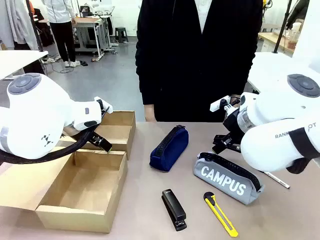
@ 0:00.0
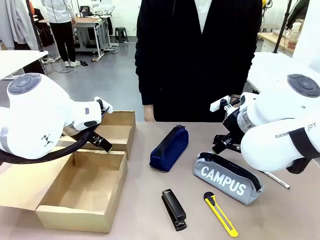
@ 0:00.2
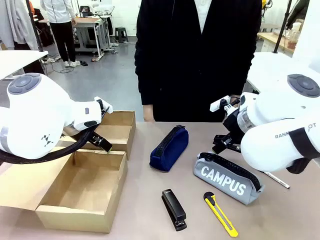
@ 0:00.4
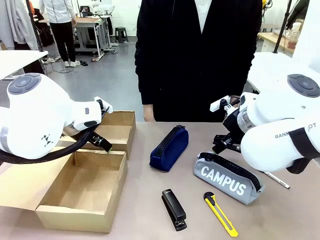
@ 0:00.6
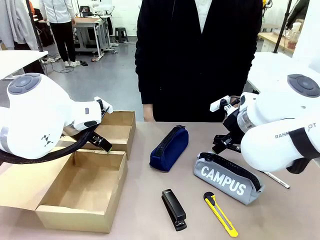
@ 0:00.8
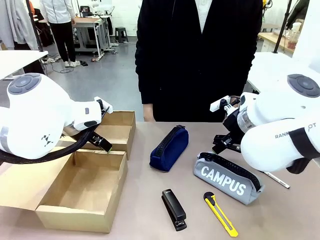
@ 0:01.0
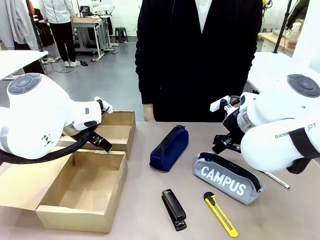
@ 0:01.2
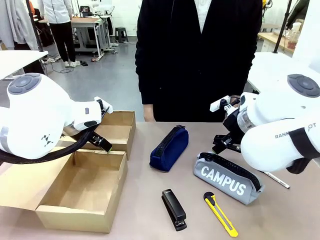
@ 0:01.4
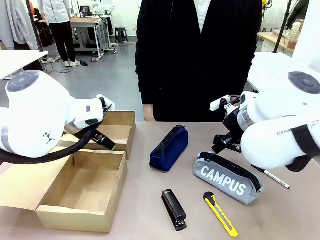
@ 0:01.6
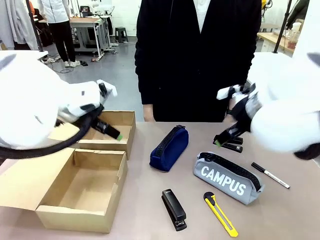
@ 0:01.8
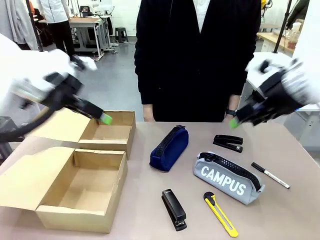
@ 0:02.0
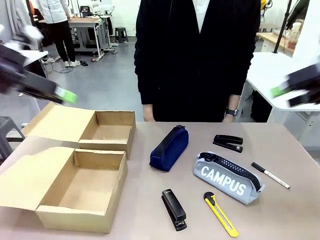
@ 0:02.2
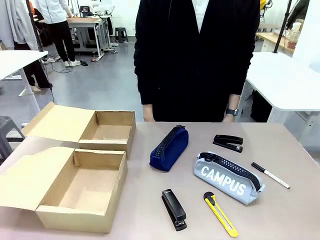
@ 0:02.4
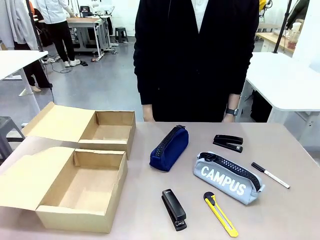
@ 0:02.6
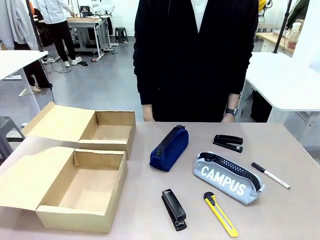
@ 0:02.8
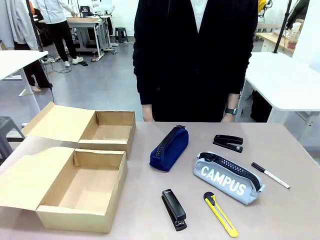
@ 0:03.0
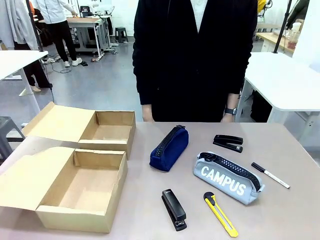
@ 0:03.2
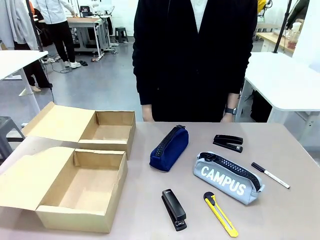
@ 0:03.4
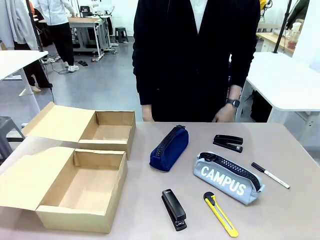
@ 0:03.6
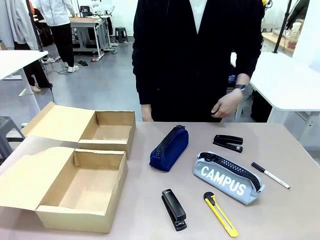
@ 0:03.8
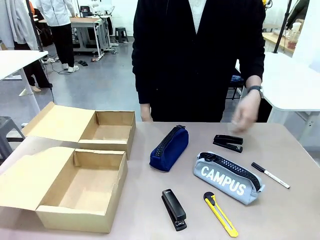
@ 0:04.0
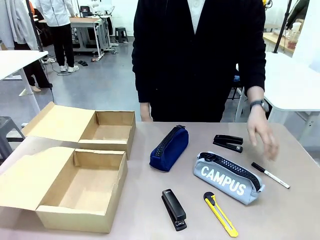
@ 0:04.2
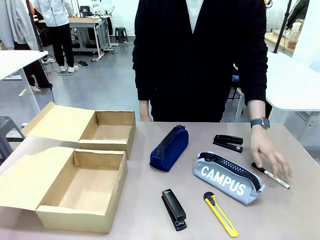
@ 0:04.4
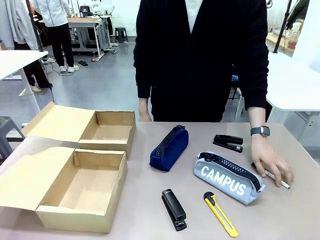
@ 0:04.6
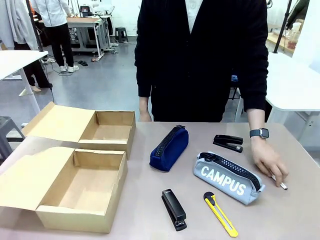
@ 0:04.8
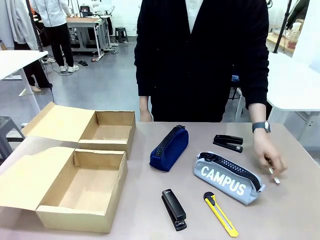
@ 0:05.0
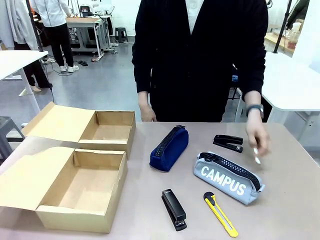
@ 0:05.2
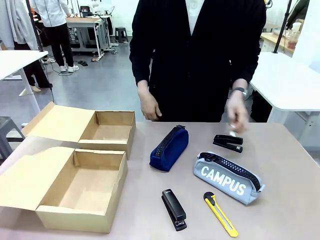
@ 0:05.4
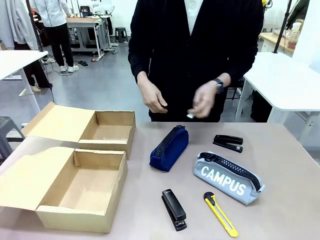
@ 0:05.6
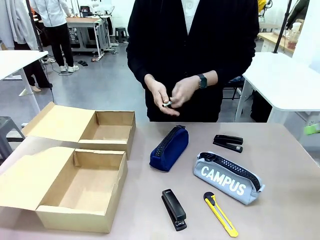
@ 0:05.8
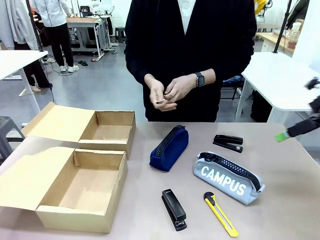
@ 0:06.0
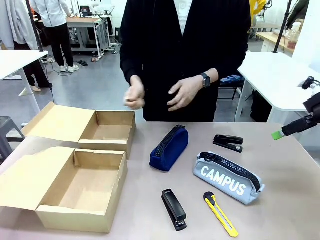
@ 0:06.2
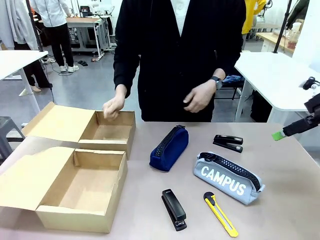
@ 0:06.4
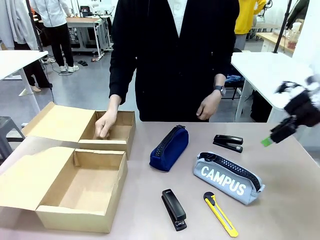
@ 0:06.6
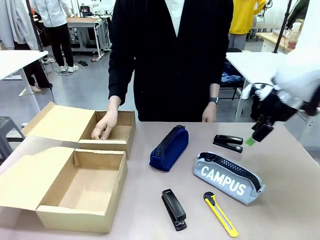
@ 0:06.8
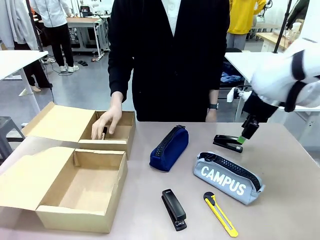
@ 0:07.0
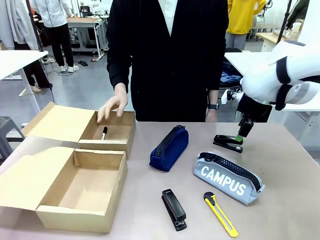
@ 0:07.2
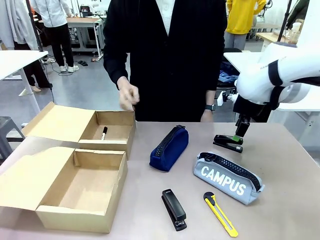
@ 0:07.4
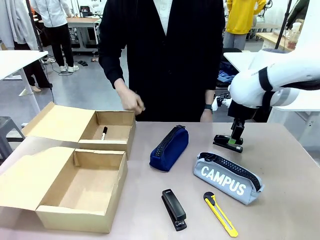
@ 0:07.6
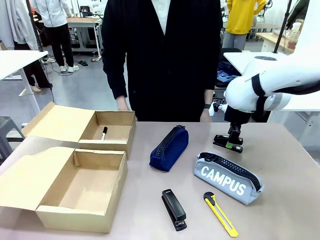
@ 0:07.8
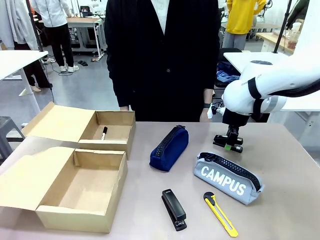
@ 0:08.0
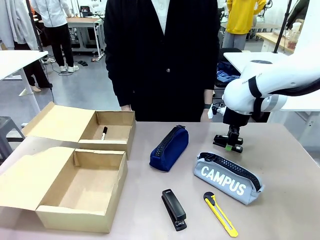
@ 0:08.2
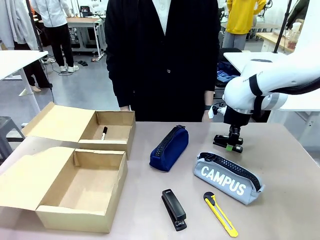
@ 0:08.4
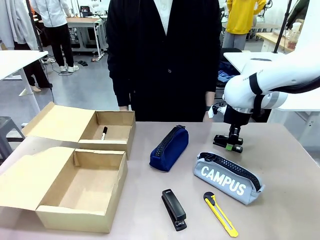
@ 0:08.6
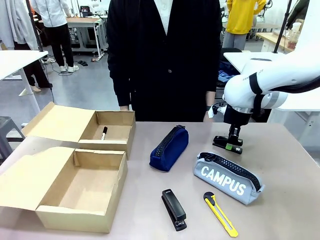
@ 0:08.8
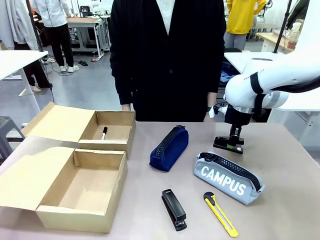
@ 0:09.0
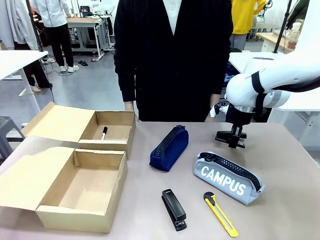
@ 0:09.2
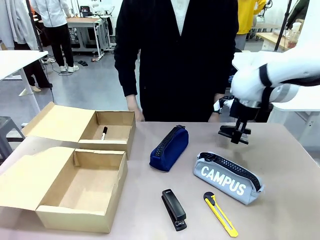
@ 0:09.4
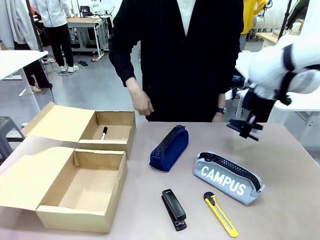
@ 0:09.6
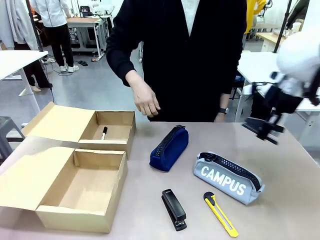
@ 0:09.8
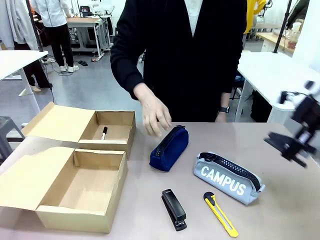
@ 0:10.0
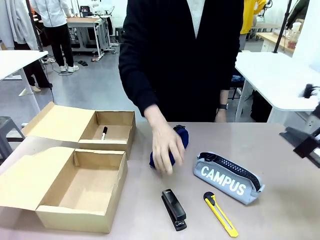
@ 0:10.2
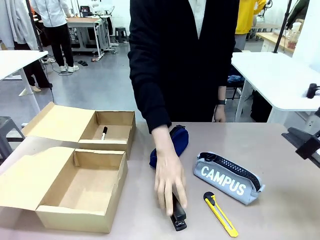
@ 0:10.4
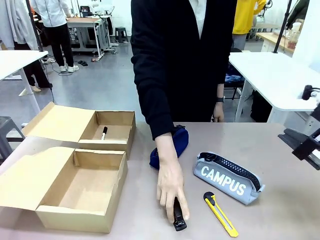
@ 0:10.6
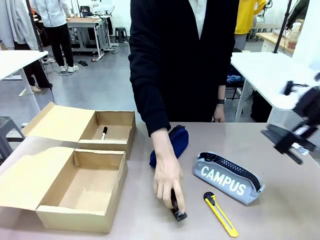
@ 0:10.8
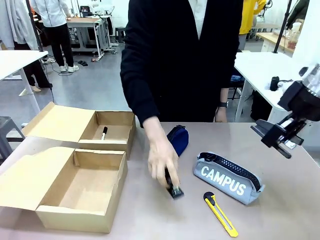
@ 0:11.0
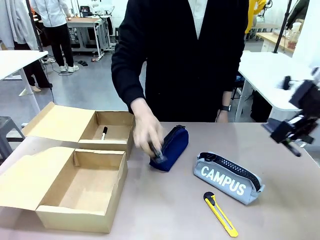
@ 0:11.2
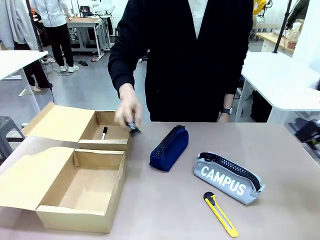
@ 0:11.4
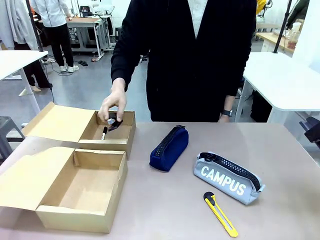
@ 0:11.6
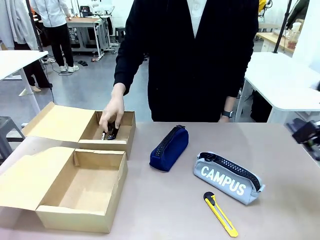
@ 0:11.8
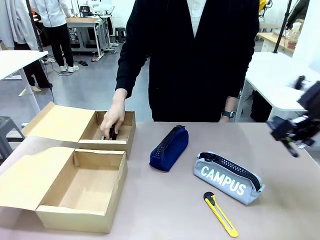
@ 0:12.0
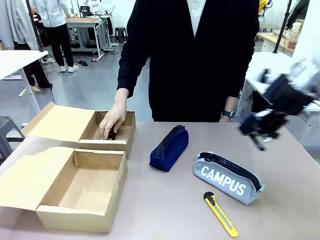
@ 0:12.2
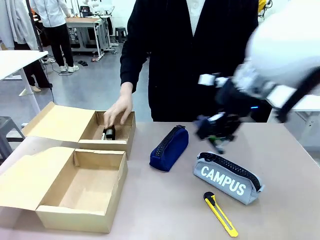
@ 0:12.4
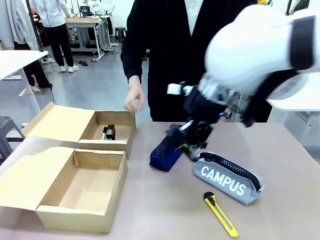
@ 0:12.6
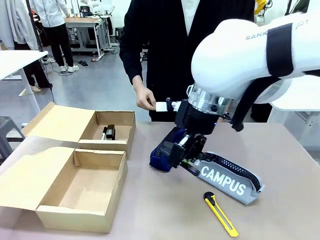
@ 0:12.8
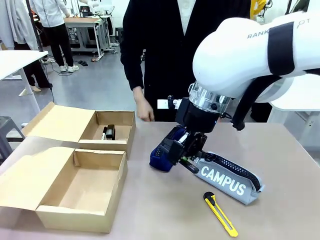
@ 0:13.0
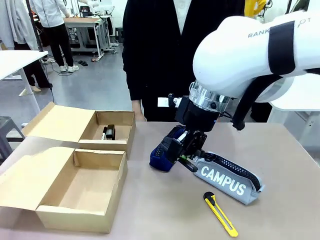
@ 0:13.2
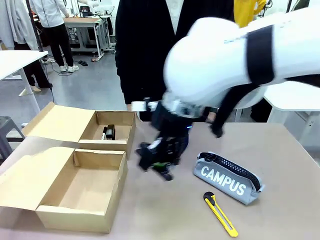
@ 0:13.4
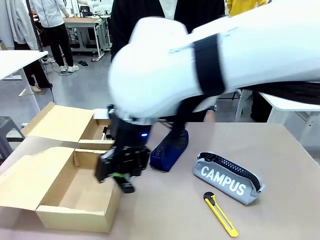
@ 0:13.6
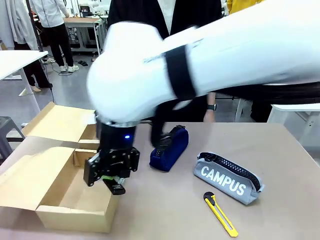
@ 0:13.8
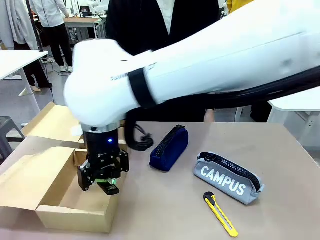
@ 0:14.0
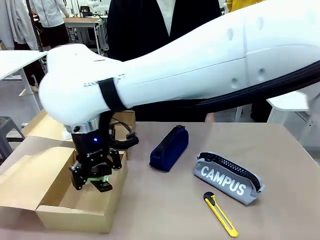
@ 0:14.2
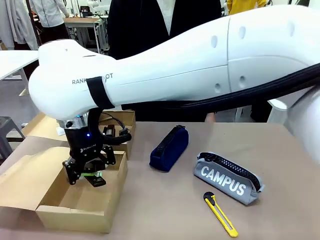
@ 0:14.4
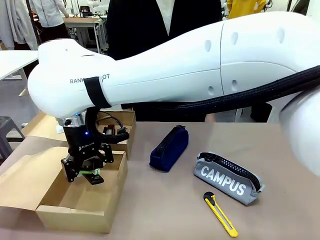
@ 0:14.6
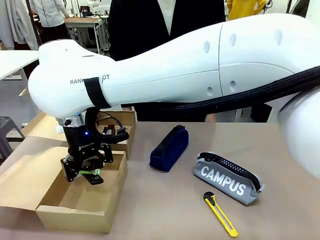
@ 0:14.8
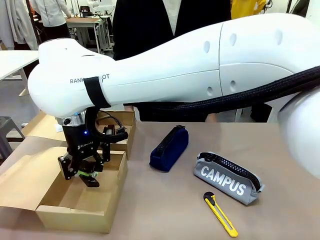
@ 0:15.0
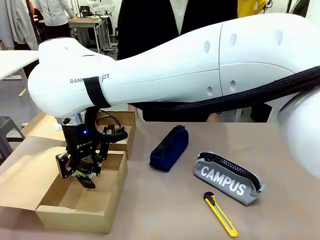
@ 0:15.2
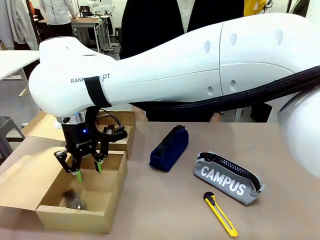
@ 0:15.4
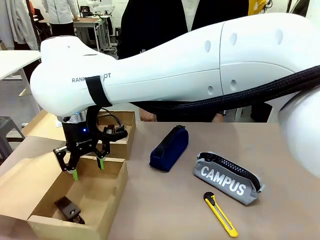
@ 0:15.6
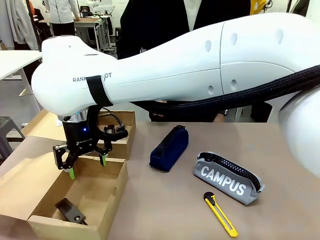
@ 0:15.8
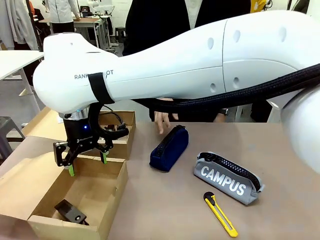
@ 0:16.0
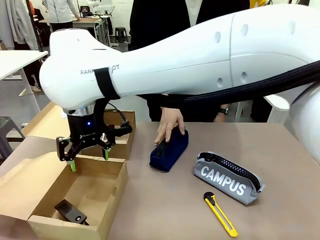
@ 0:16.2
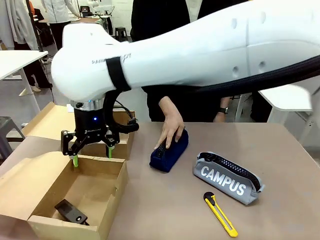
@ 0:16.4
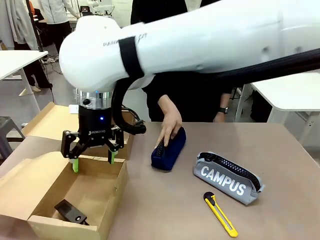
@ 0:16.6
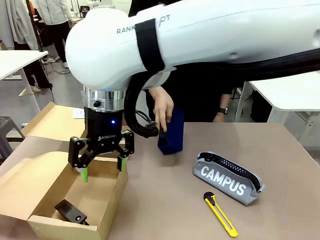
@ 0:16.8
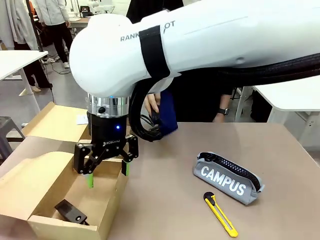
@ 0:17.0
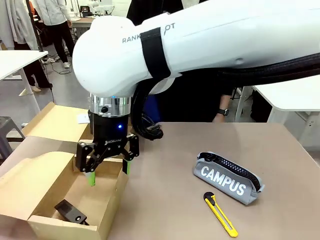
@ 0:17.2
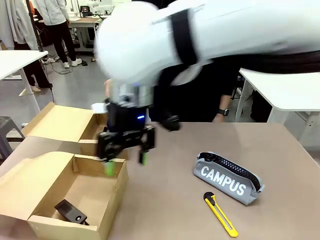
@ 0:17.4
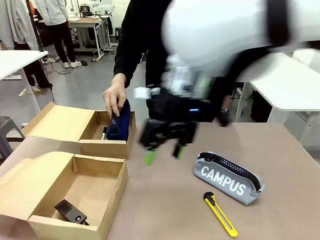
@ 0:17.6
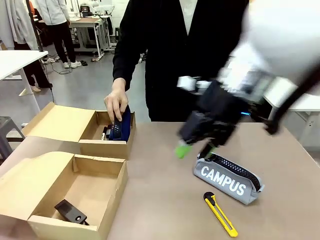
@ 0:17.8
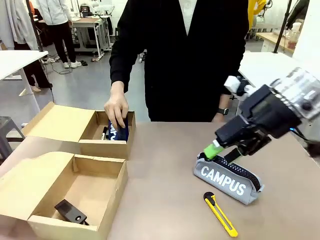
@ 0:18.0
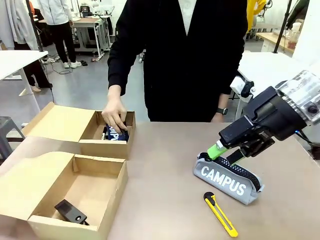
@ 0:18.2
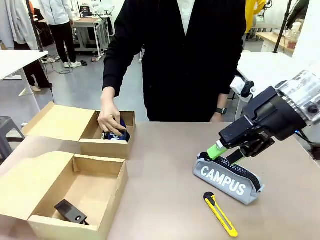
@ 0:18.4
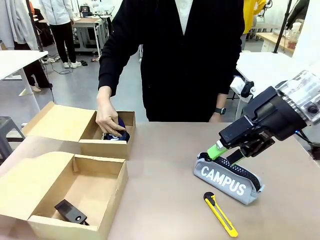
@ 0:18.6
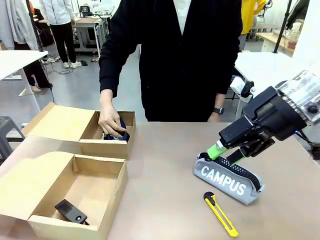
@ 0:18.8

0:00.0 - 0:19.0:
Task: Place items inside the box.
Robot: Pick up a Pencil pouch or Stapler and place it inside the Mailer Box closest to the robot.
Person: Pick up an object on the table and put it in the box.
